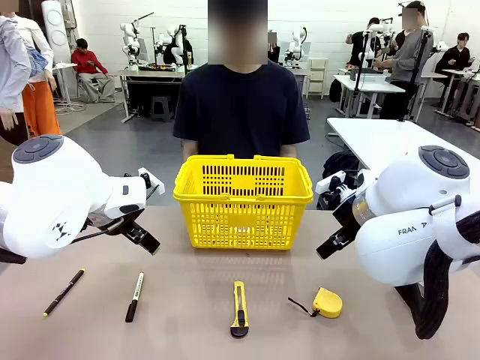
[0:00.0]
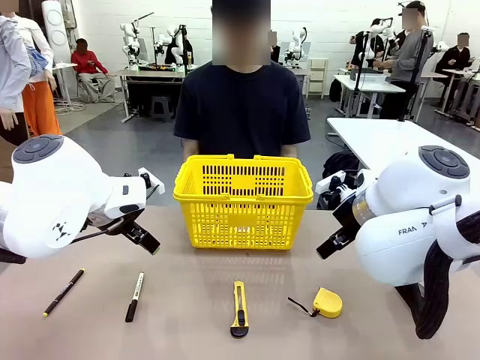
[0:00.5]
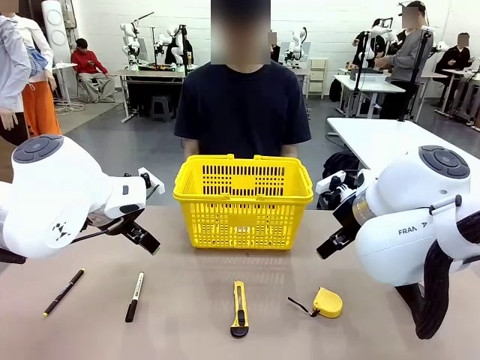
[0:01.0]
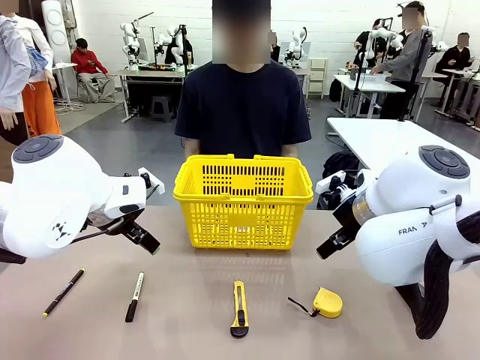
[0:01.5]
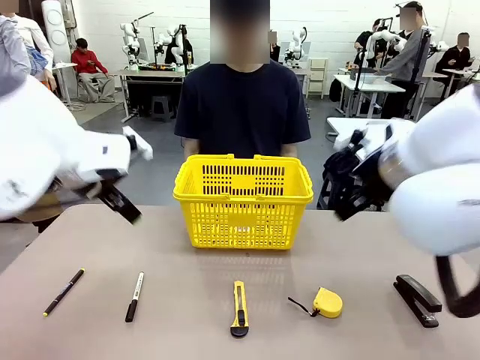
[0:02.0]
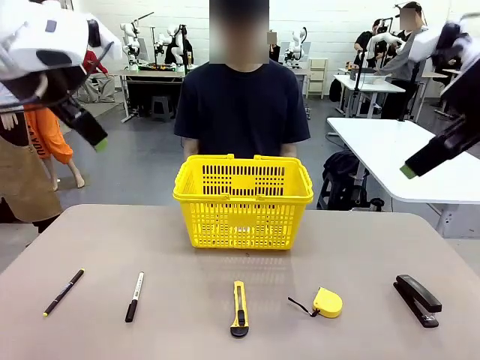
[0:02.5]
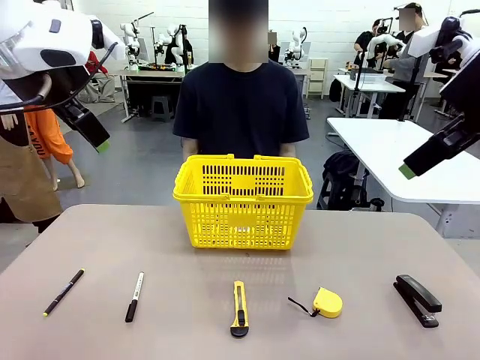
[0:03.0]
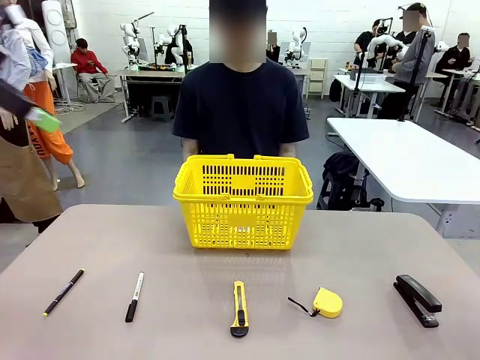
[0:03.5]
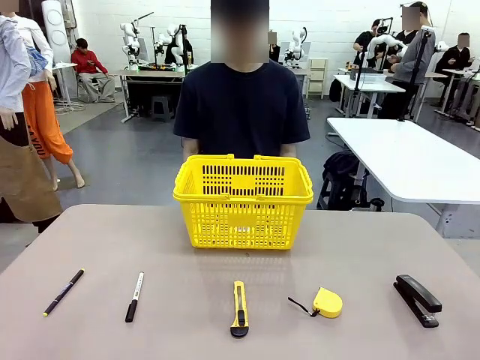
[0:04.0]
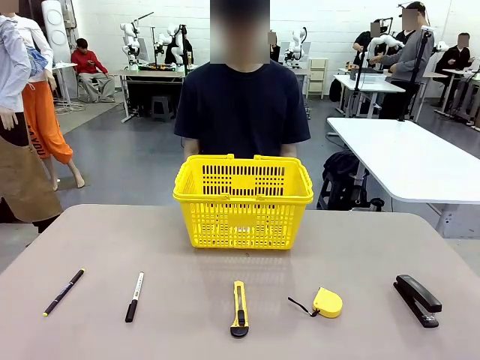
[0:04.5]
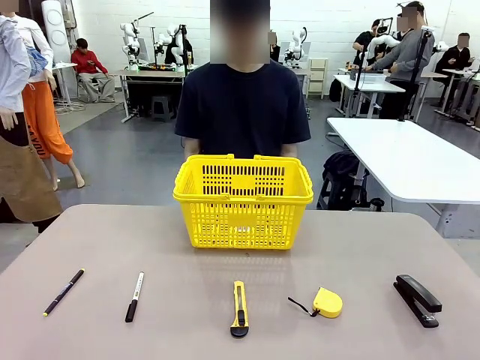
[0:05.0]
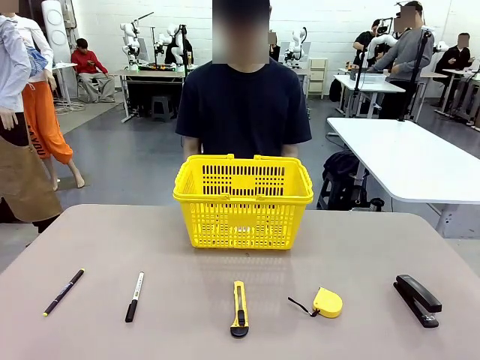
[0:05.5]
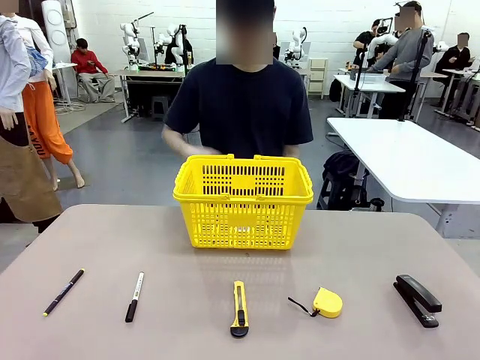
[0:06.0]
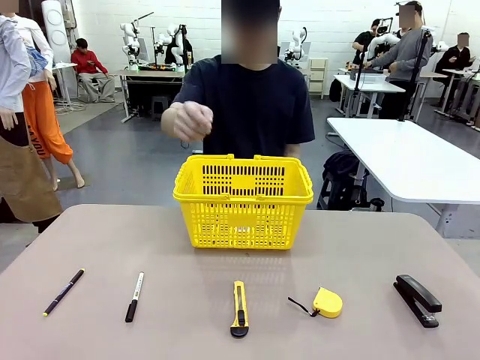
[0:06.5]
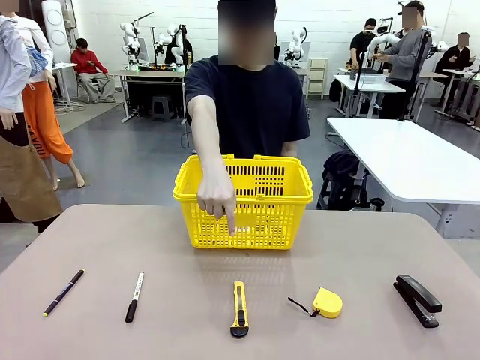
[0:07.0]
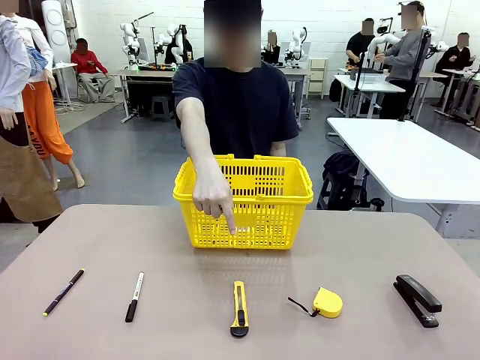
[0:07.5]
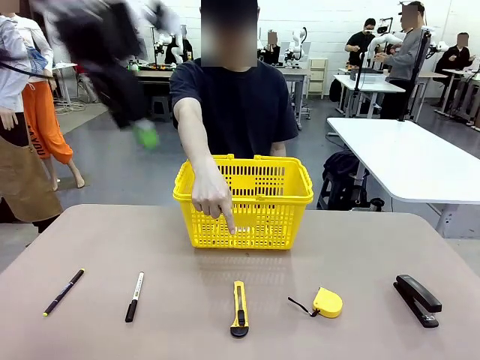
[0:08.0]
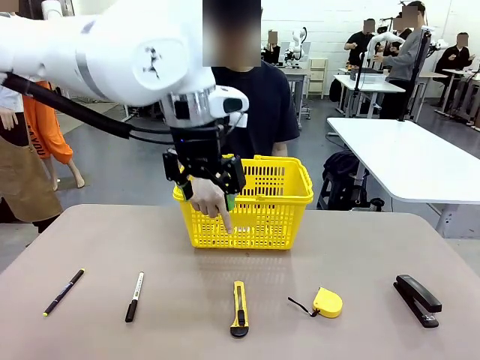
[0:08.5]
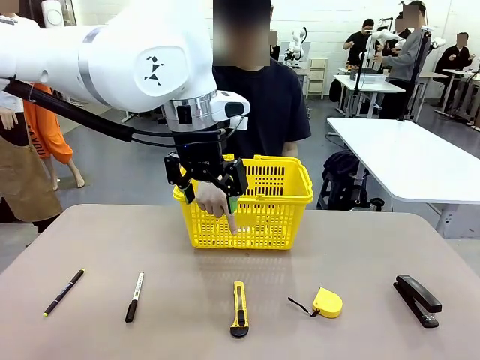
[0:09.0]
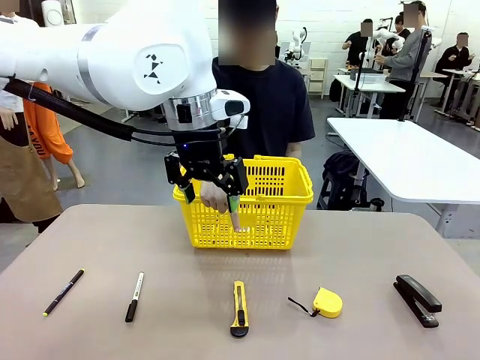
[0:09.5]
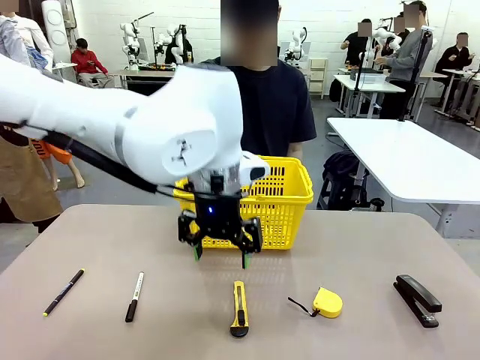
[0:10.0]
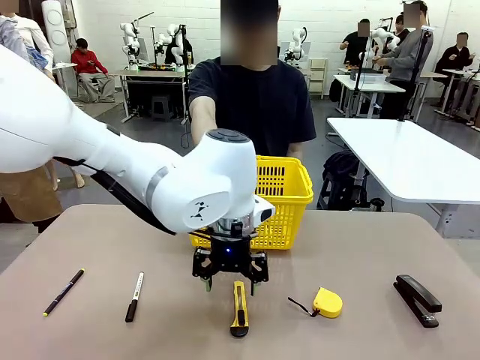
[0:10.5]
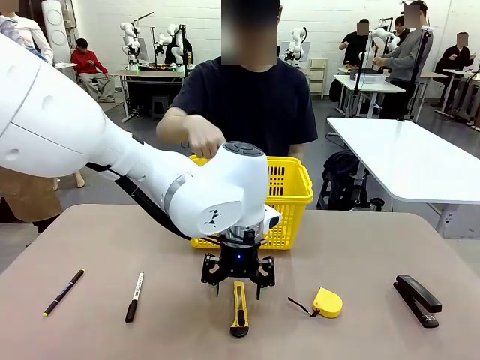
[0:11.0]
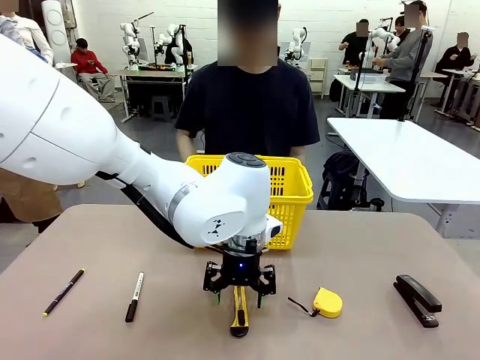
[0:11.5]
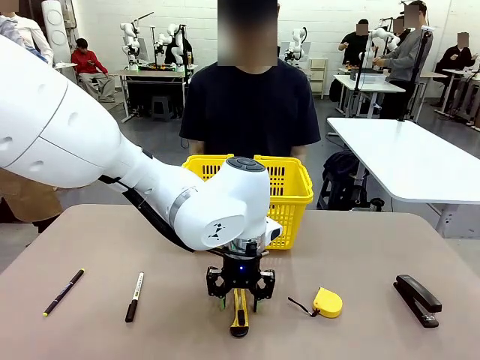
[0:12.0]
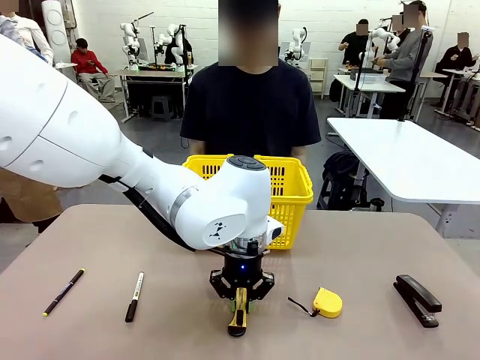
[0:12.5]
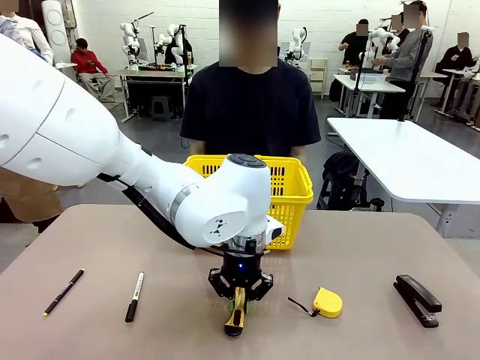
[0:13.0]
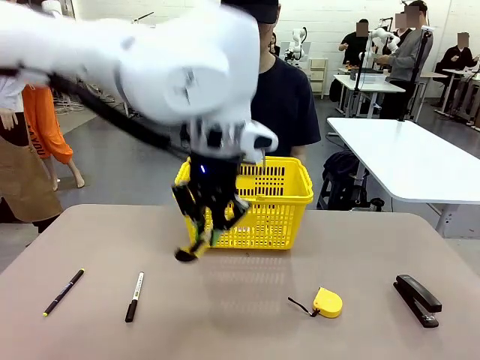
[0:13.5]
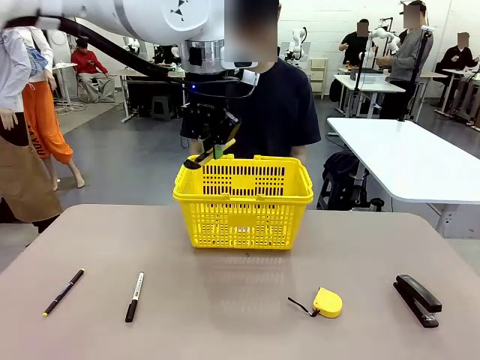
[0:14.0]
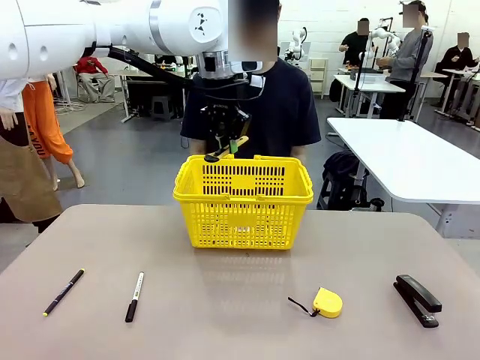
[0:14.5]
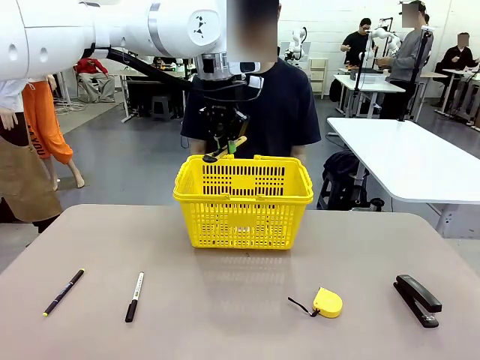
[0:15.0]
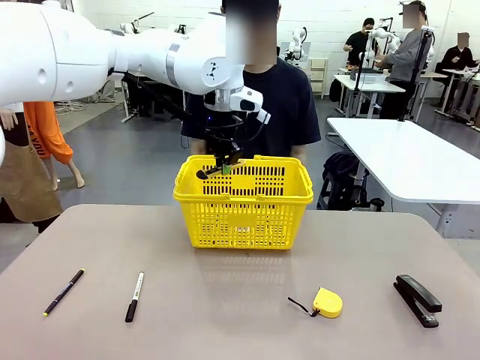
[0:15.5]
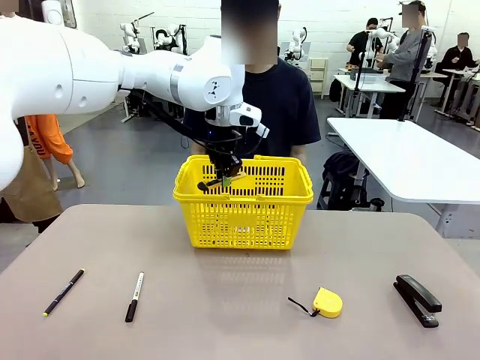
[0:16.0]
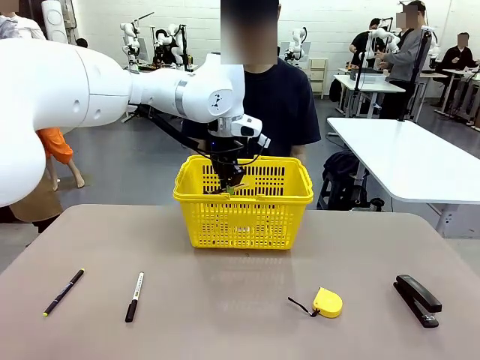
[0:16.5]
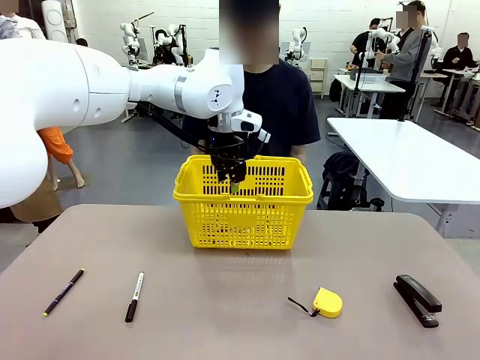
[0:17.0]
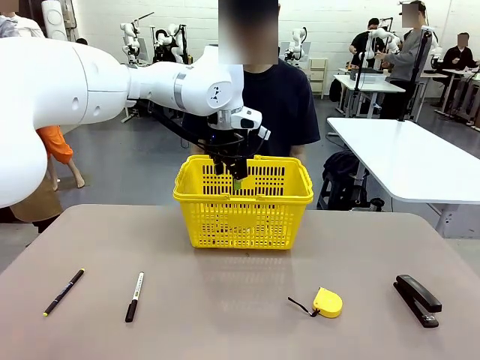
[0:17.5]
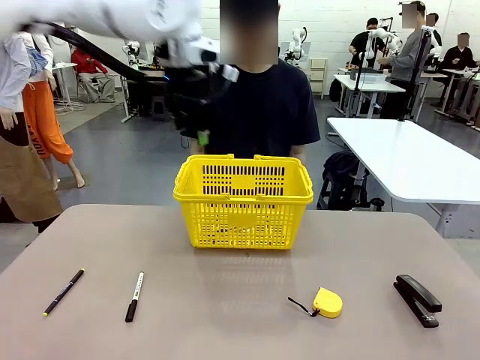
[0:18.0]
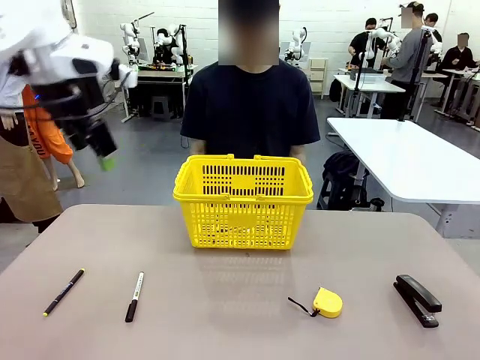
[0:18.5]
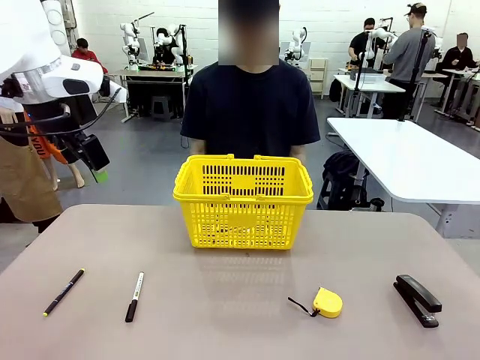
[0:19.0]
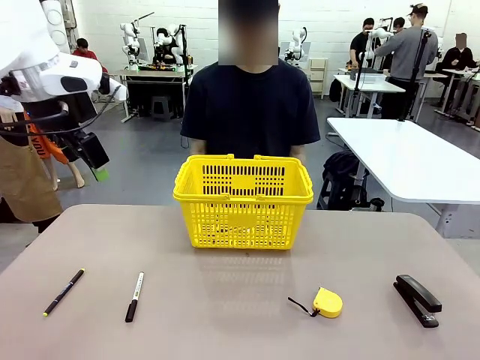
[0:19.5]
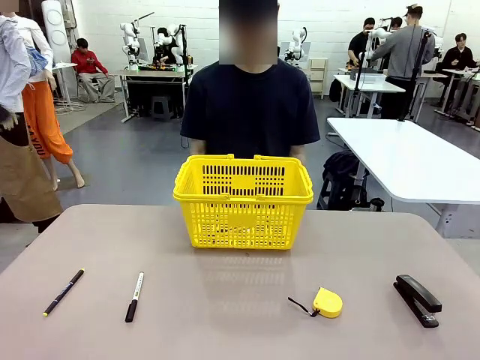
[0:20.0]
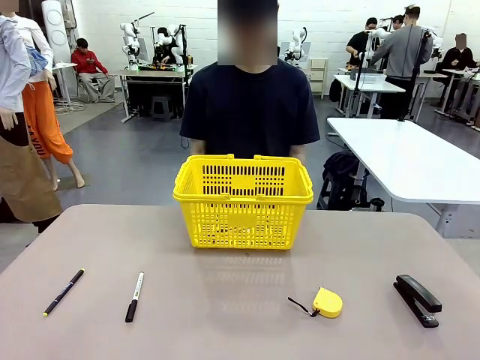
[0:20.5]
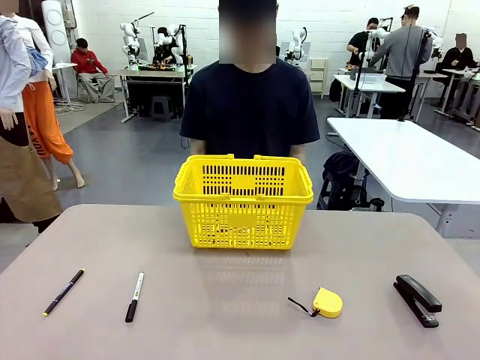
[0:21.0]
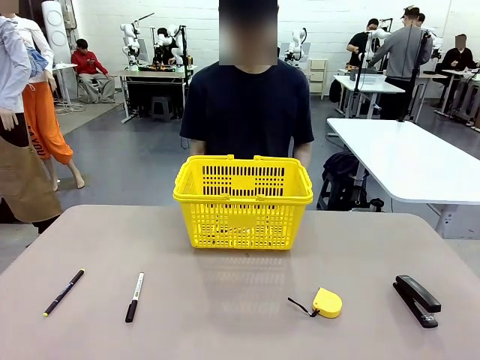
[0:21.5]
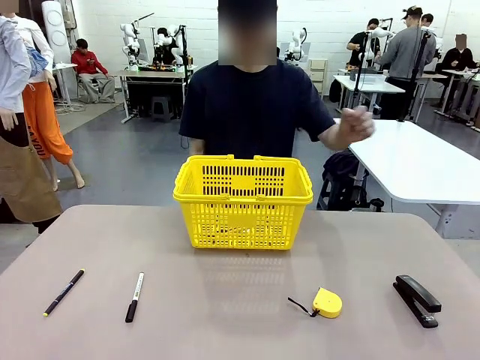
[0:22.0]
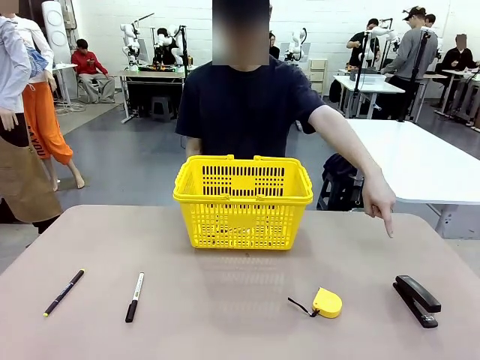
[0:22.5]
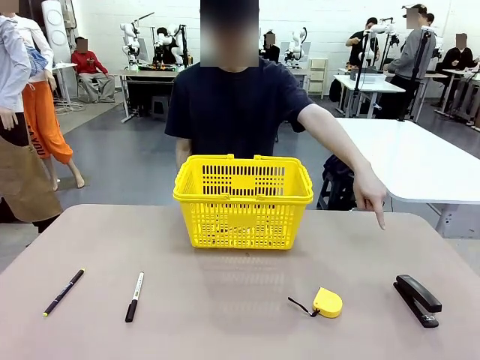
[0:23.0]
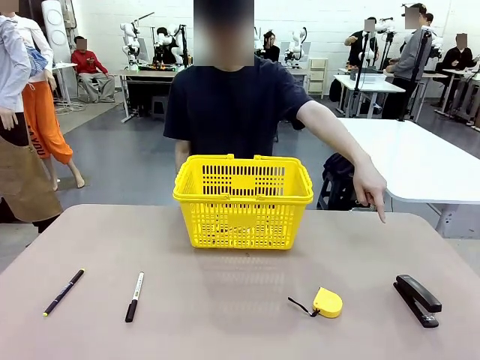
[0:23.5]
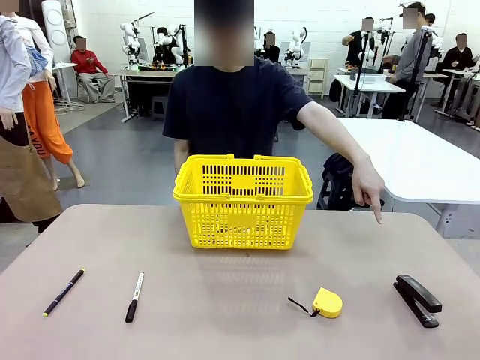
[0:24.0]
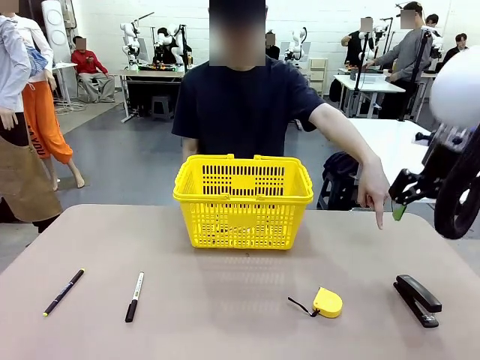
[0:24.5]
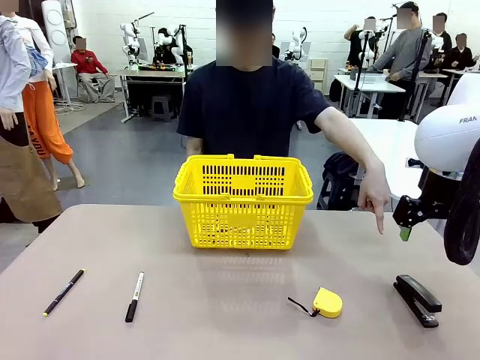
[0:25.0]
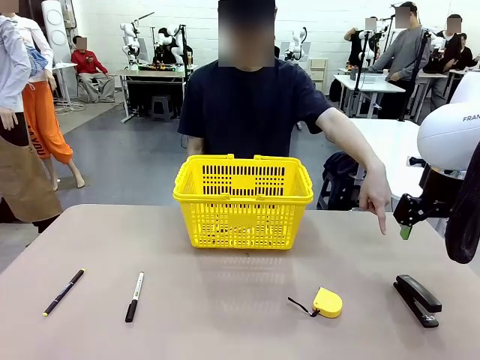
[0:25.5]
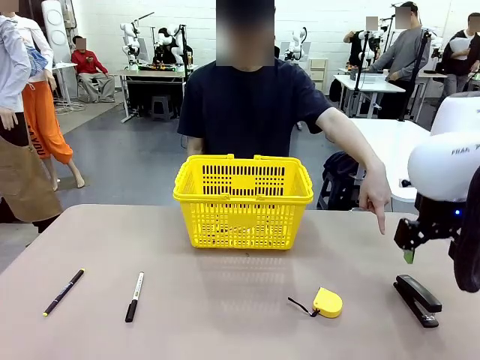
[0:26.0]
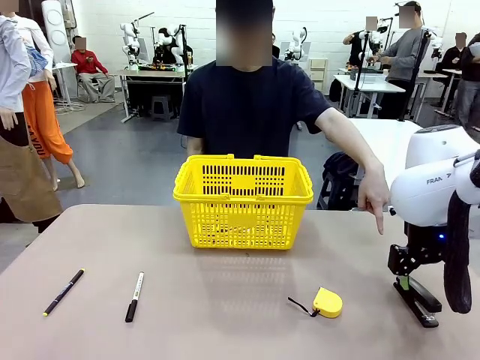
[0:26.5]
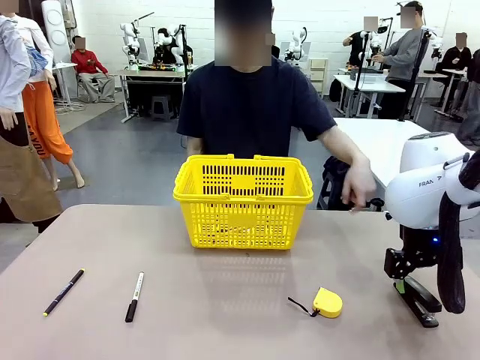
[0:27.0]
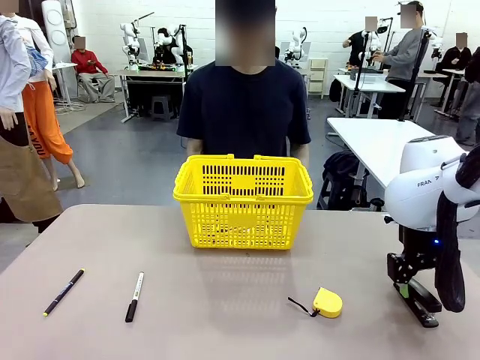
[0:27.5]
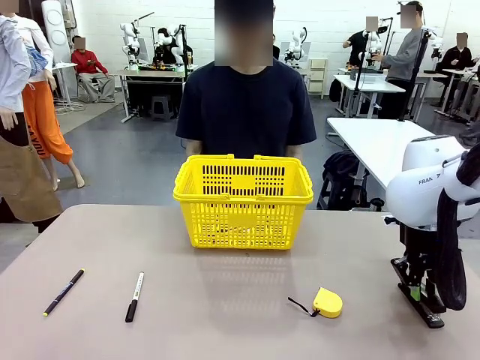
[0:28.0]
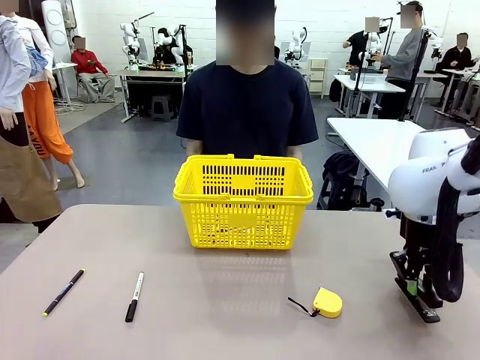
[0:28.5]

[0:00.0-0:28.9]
Task: Place the items the person wants into the basket.
Robot: Pick up the item the person points to and place it in the Market Basket.
